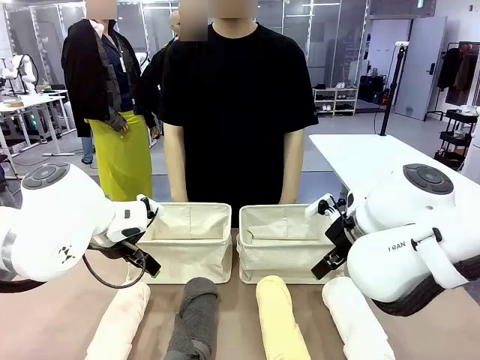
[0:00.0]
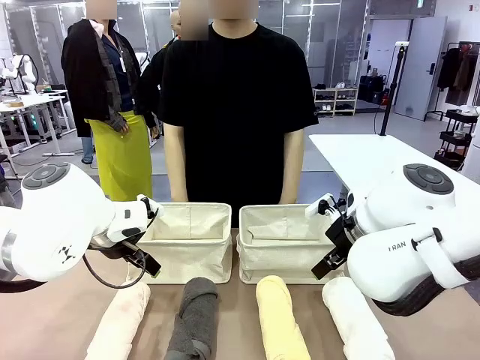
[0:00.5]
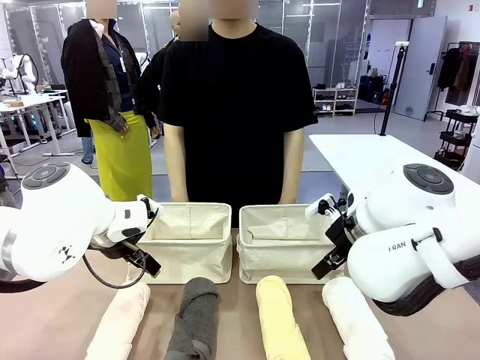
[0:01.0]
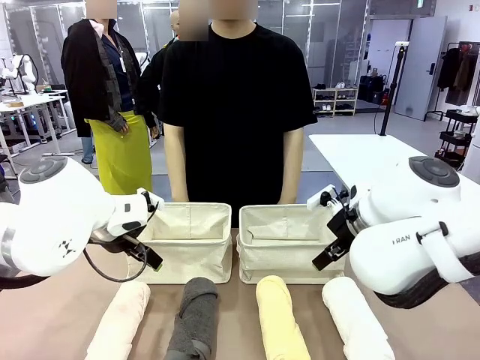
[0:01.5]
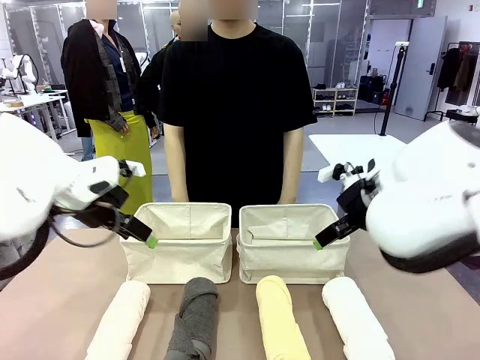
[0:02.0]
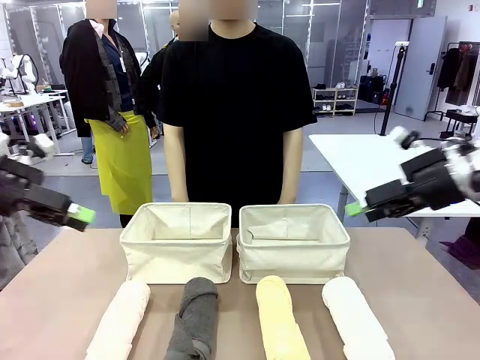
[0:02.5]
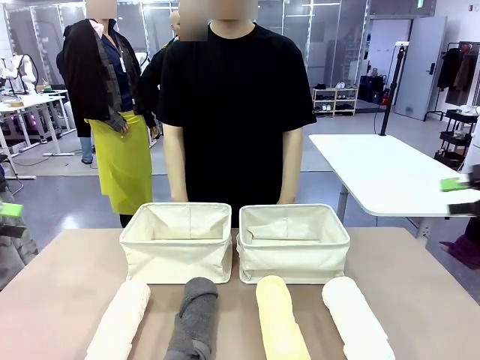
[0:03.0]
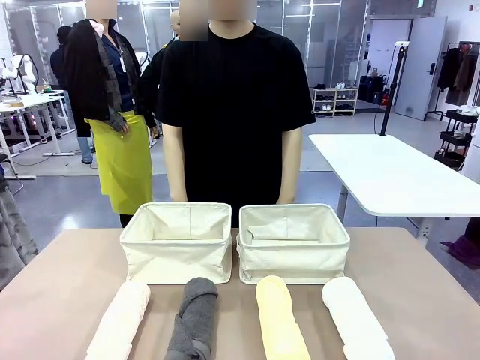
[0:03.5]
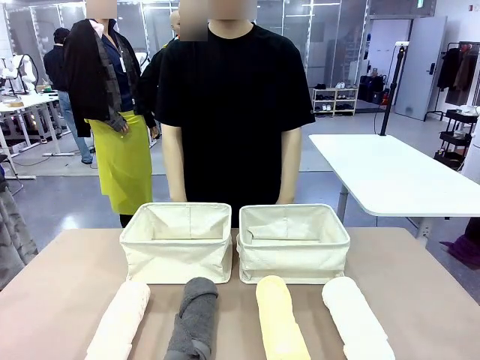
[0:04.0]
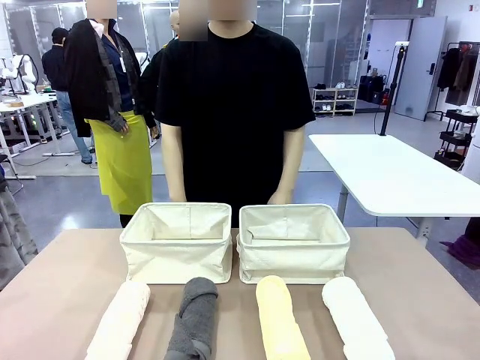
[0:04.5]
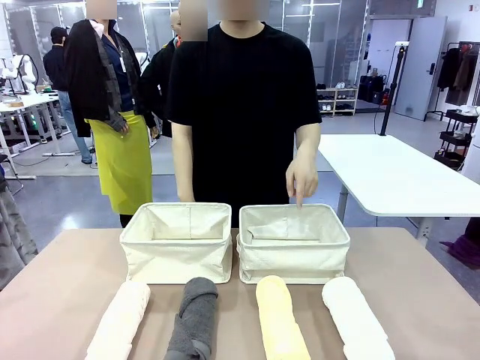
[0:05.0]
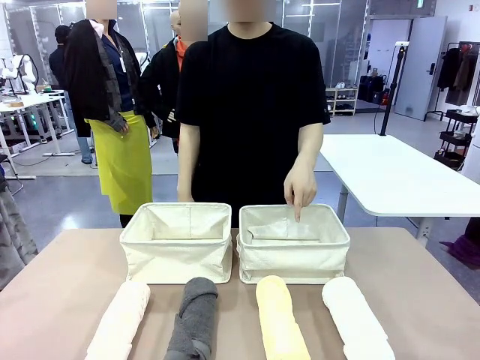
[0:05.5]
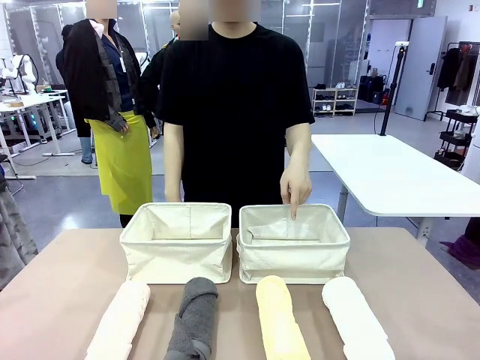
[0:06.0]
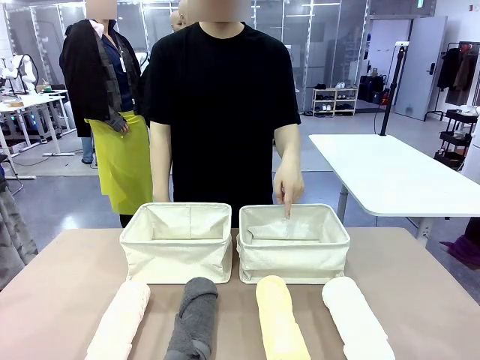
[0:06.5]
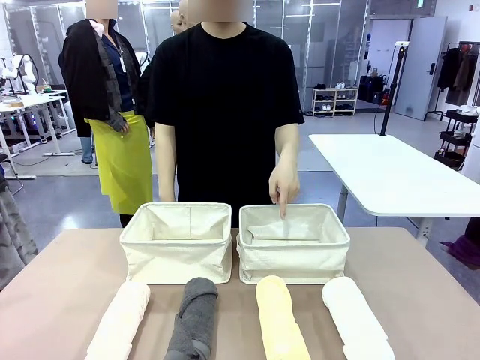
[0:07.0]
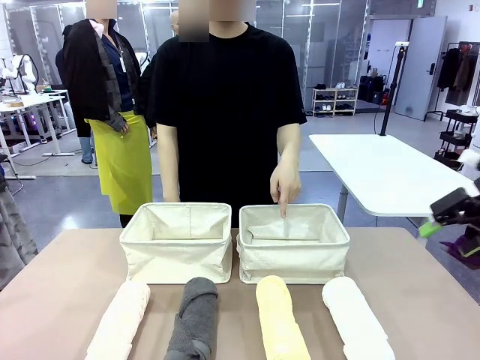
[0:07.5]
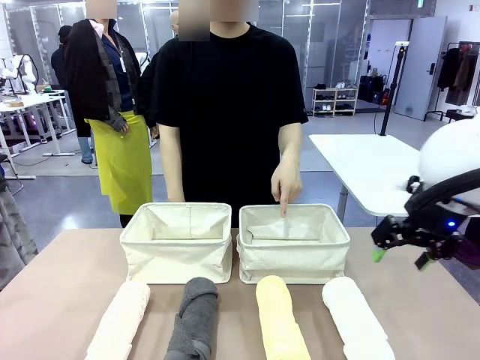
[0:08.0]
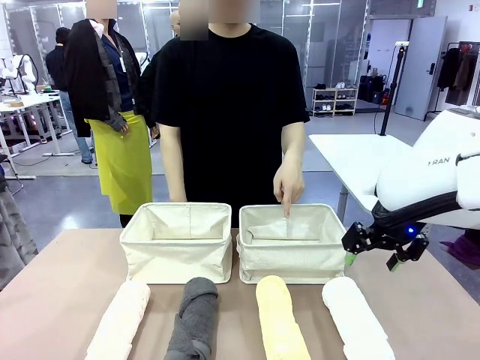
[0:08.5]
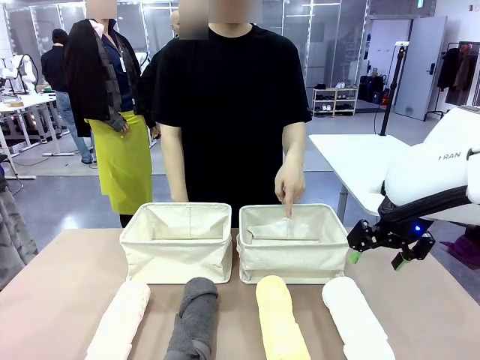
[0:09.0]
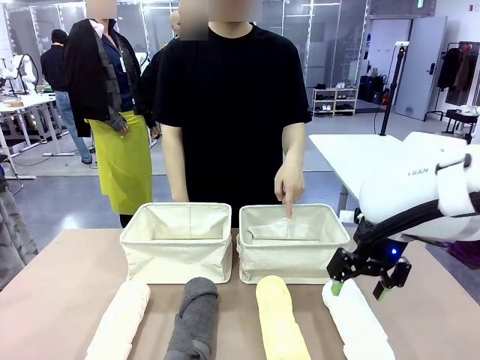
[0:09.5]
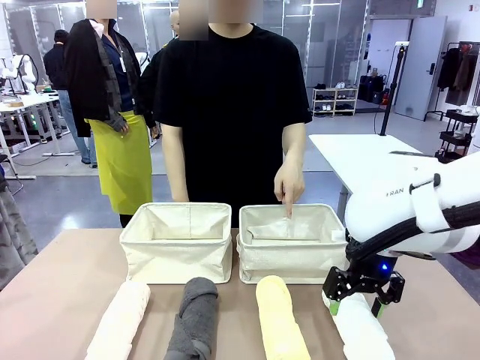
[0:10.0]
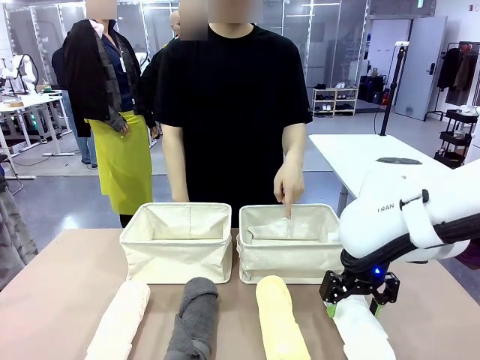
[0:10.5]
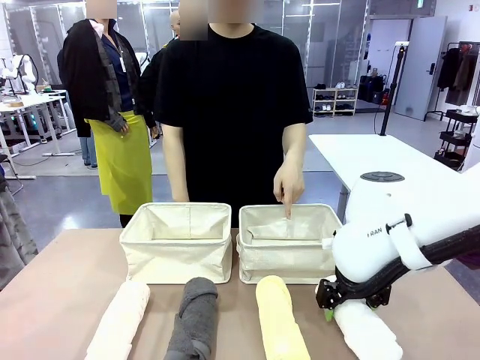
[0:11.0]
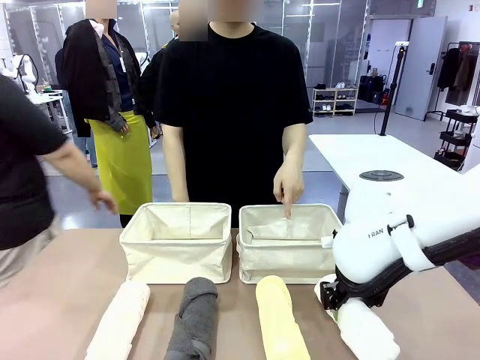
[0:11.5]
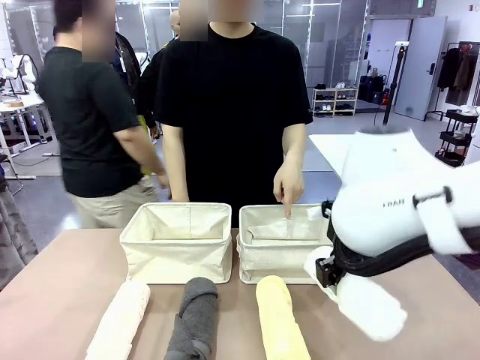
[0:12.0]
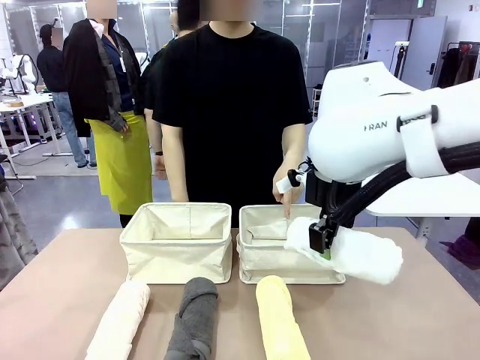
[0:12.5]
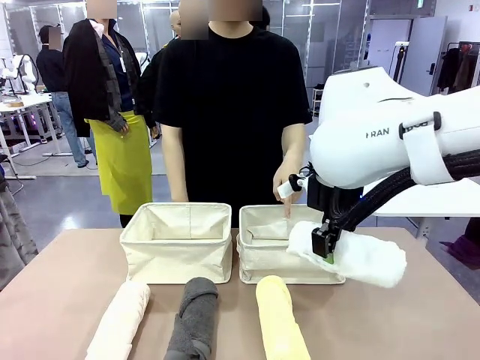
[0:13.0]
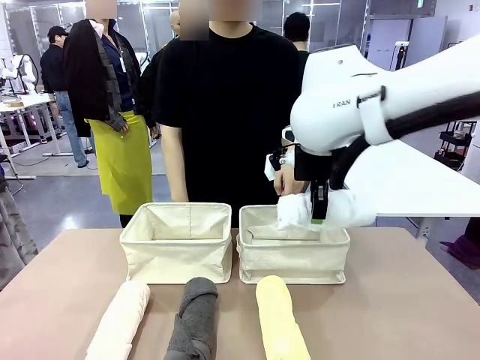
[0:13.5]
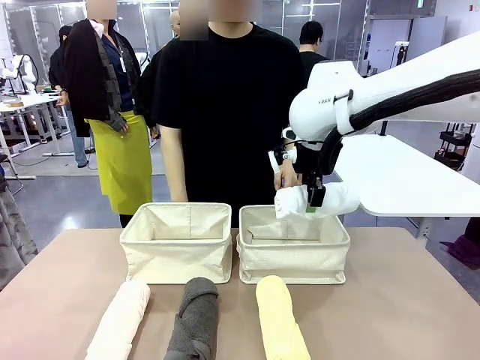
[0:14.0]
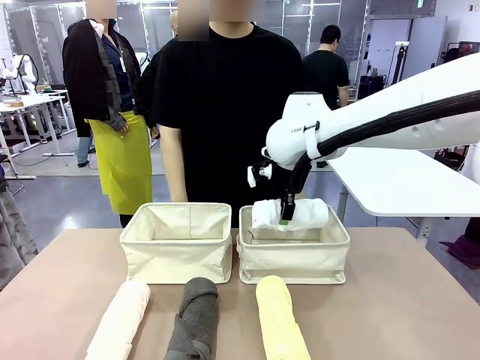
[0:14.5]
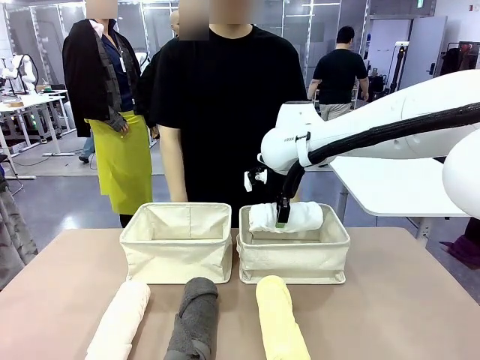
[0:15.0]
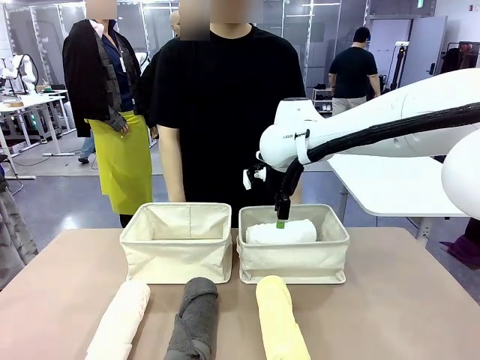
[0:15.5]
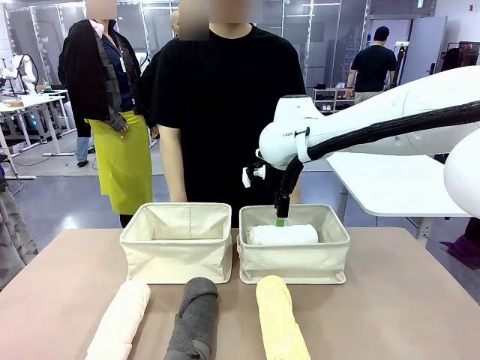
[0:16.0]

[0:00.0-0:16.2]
Task: Divide the towels into two baskets.
Robot: Pick up one hotel-folded towel and place it in the Fabric basket indicated by the person.

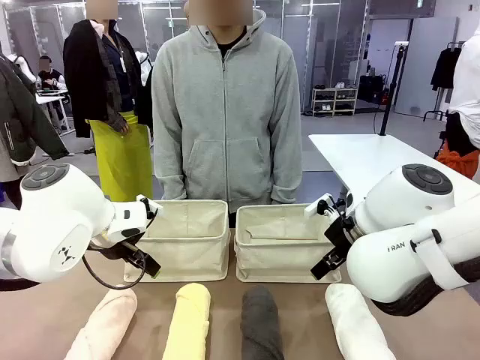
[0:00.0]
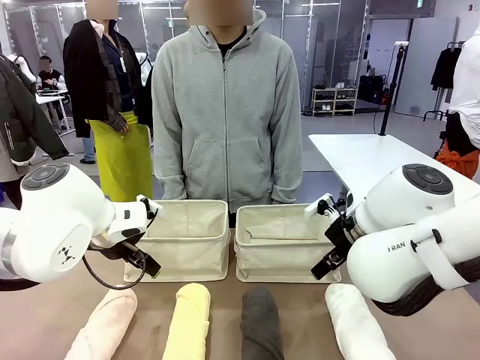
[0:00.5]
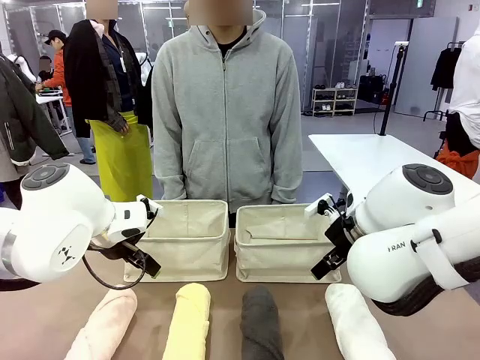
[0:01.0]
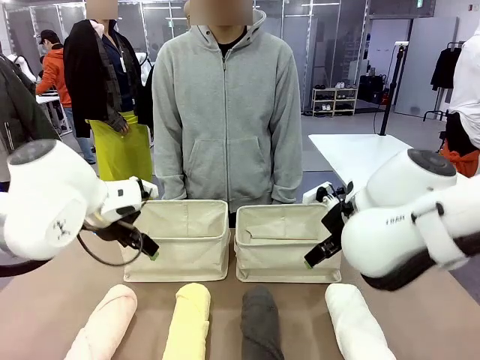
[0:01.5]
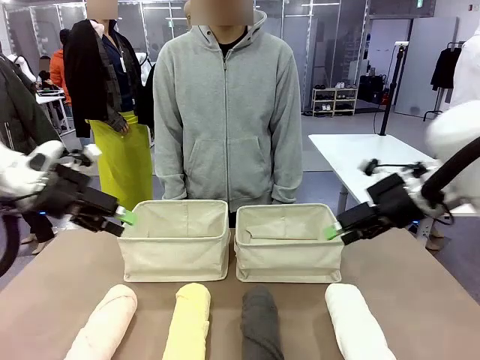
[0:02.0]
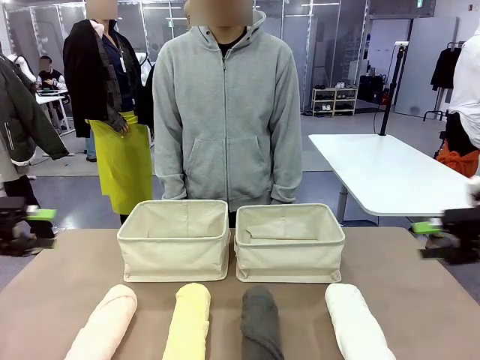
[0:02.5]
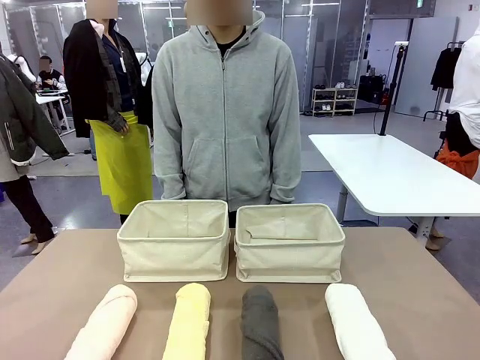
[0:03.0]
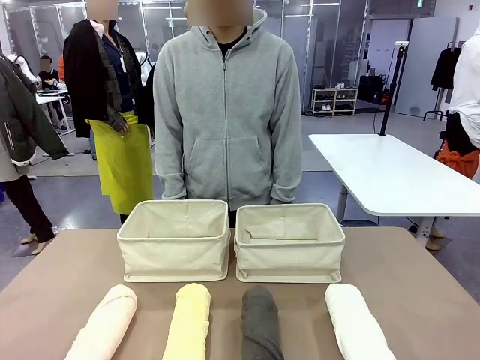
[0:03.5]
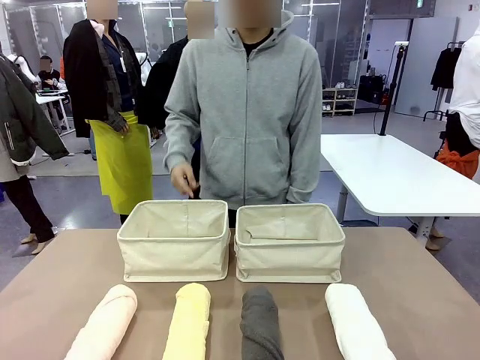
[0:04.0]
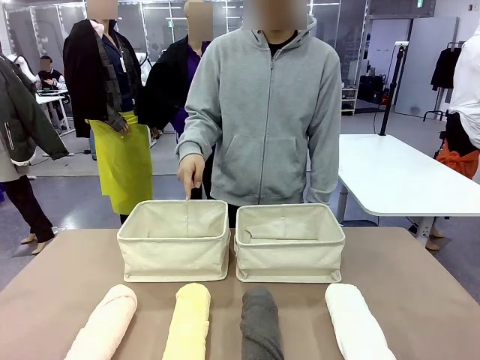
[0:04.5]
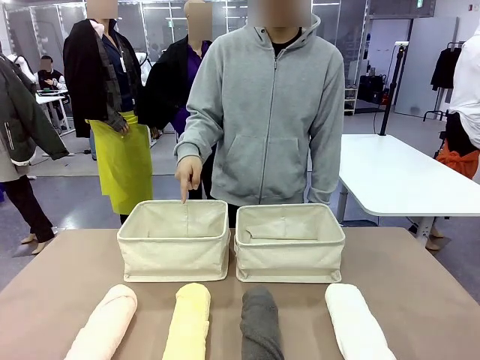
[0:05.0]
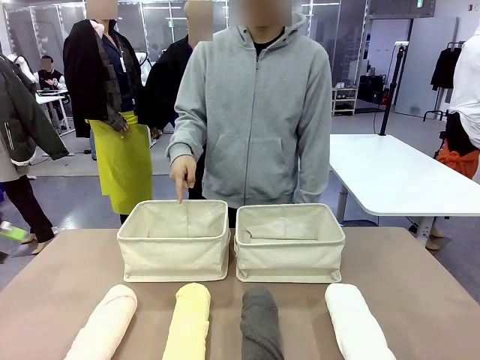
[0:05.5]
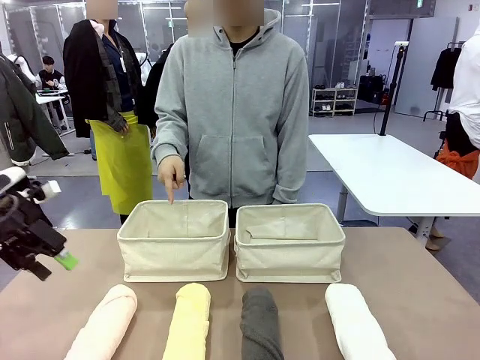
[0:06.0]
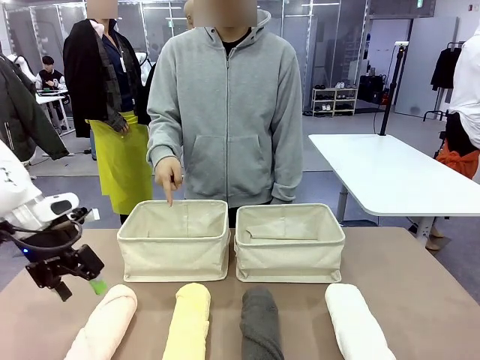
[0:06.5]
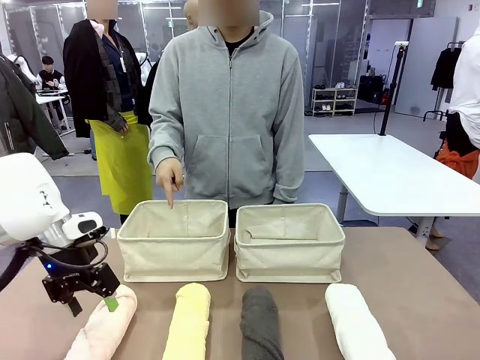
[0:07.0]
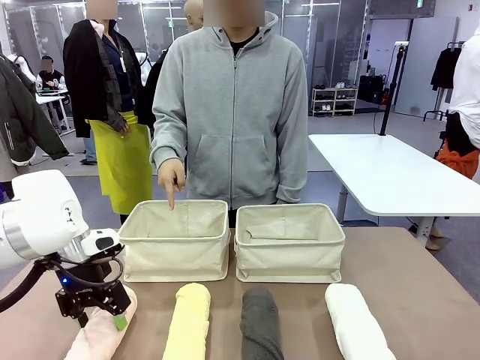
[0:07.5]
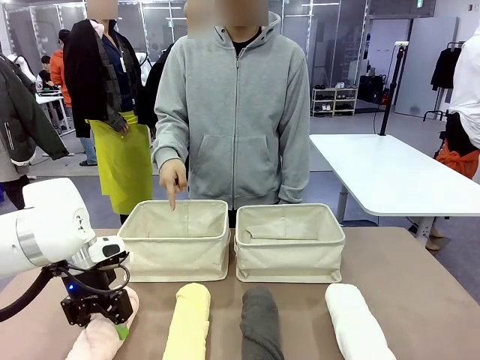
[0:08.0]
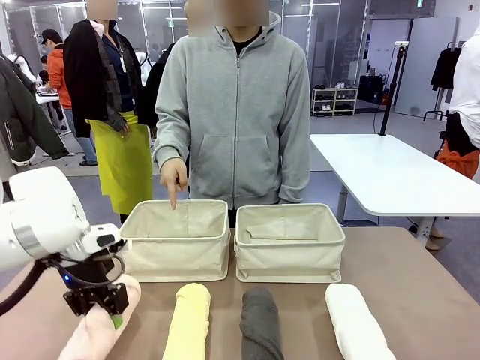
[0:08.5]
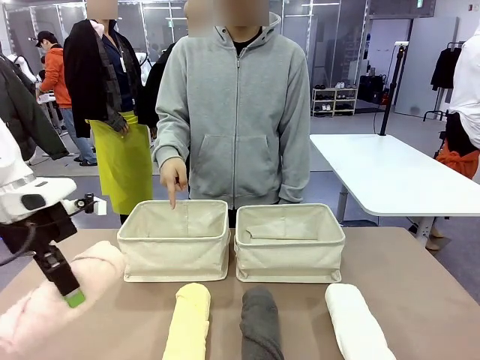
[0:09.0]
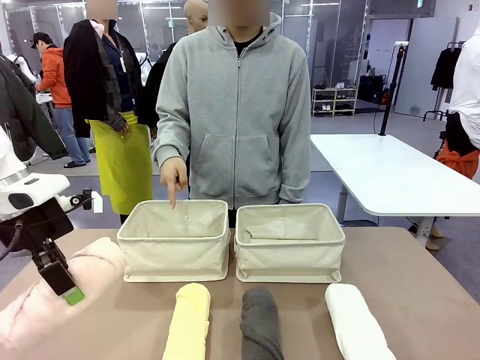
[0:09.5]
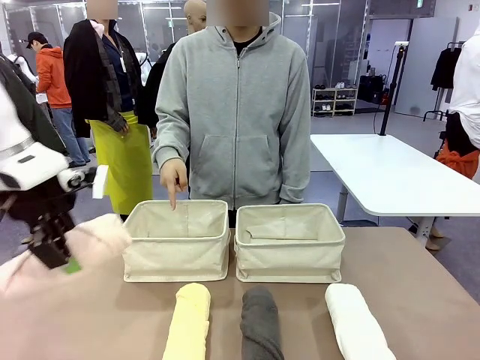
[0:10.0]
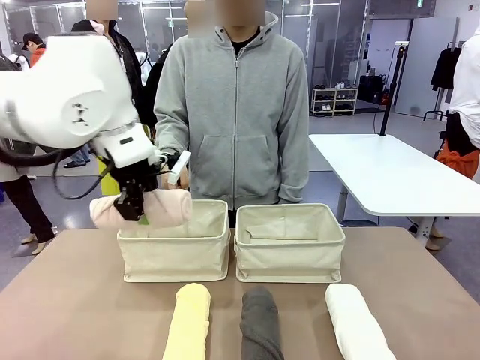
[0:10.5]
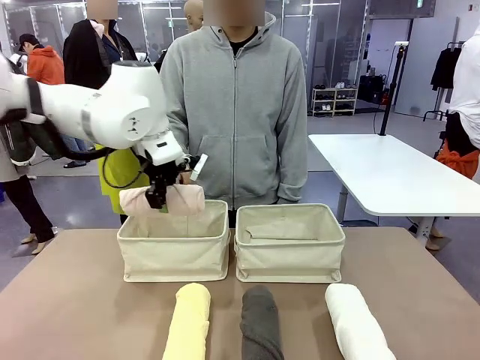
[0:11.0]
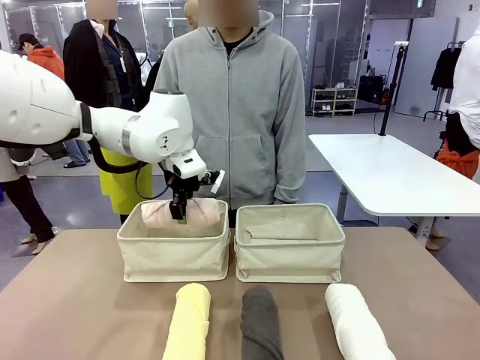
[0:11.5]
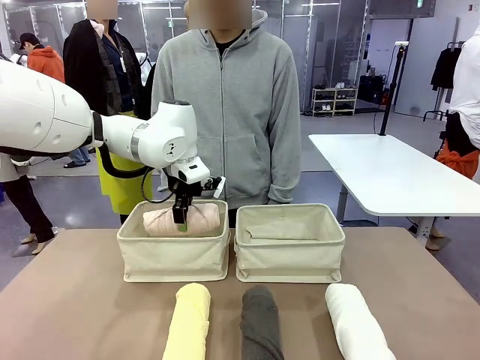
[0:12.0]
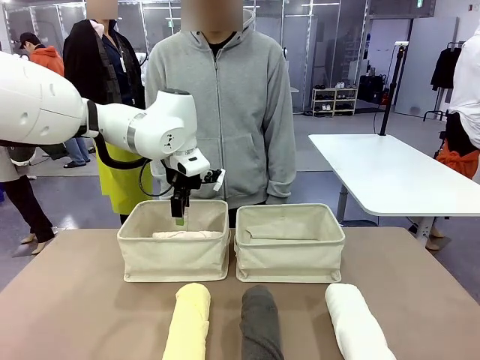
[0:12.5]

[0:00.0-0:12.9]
Task: Divide the towels into two baskets.
Robot: Pick up one hotel-folded towel and place it in the Fabric basket indicated by the person.
